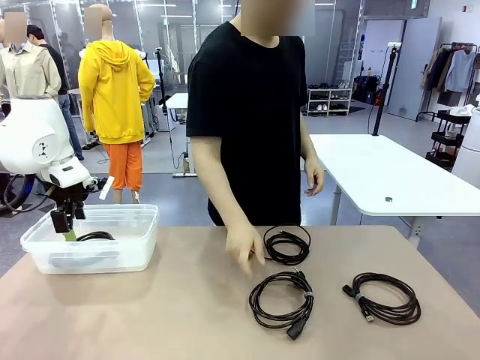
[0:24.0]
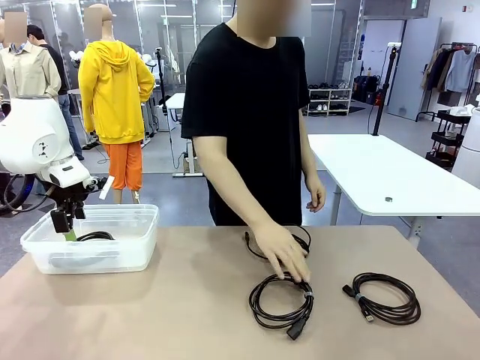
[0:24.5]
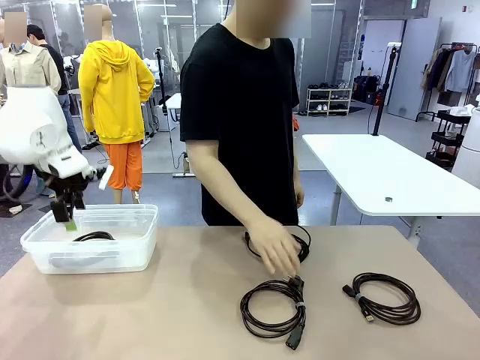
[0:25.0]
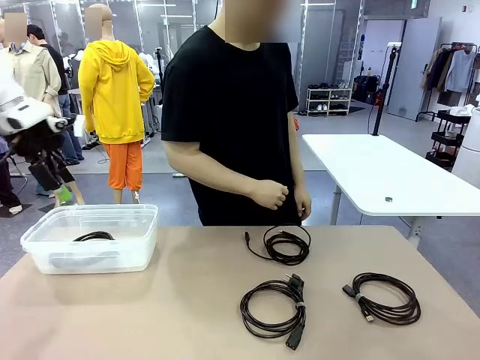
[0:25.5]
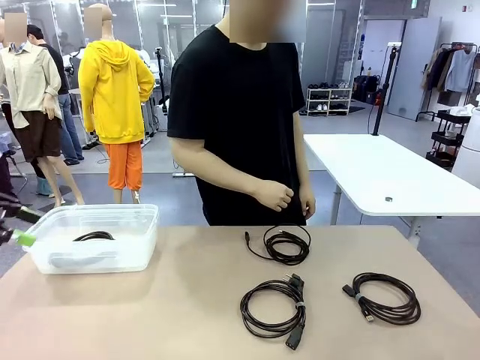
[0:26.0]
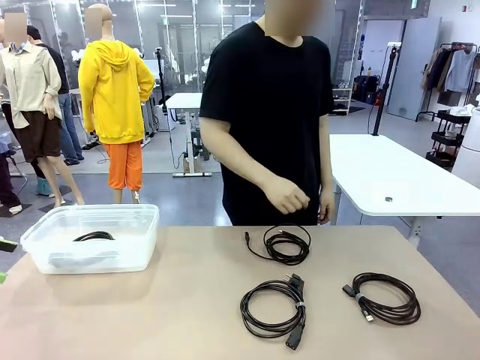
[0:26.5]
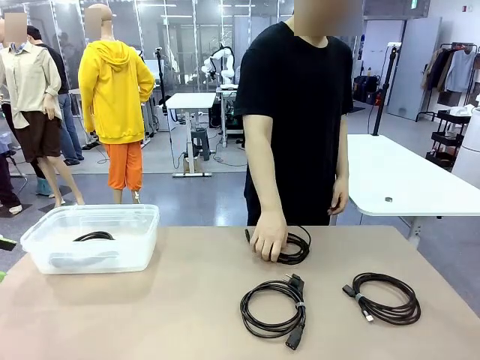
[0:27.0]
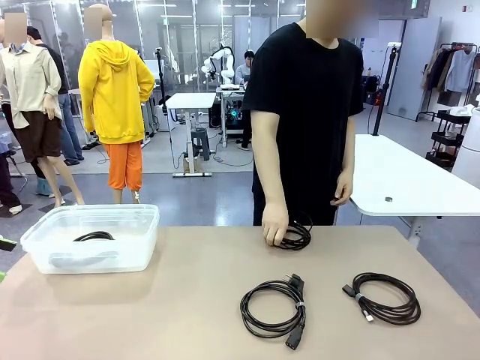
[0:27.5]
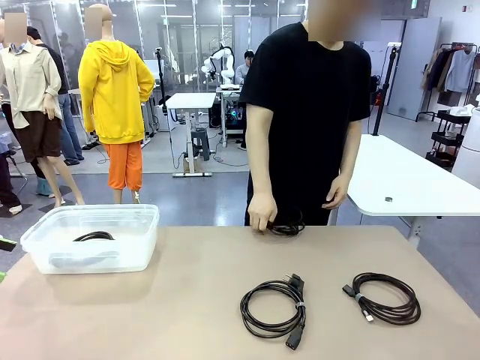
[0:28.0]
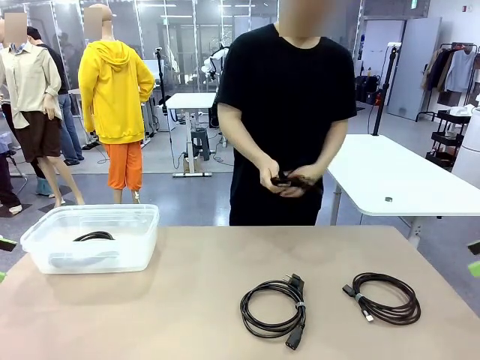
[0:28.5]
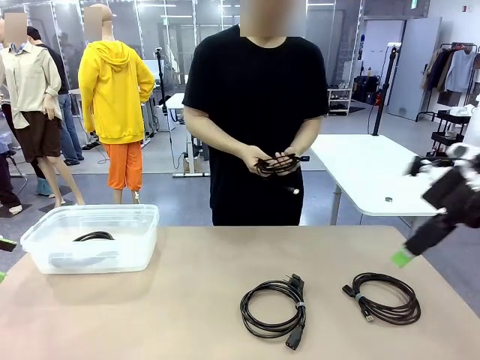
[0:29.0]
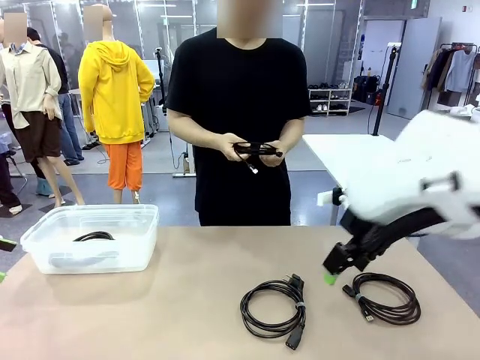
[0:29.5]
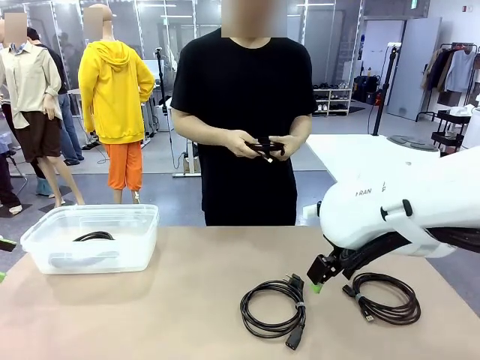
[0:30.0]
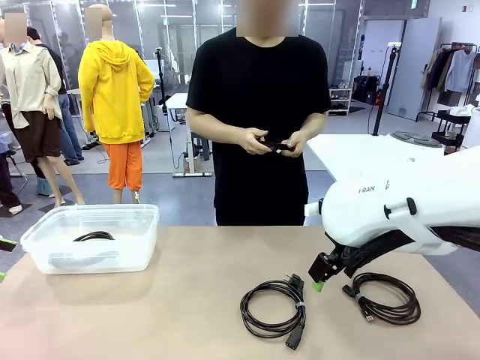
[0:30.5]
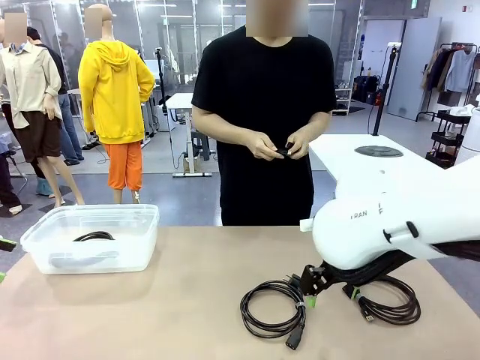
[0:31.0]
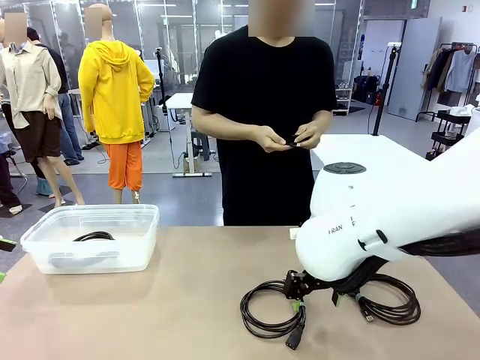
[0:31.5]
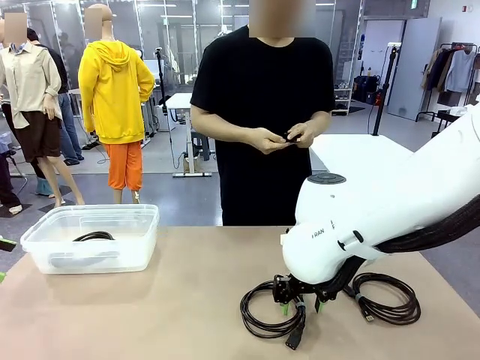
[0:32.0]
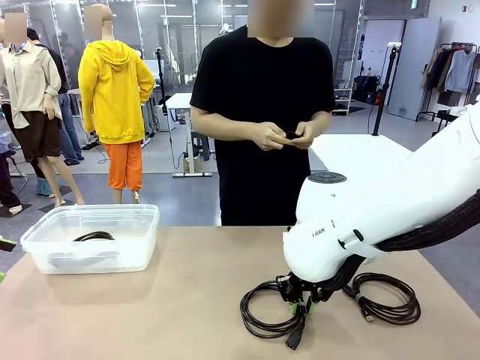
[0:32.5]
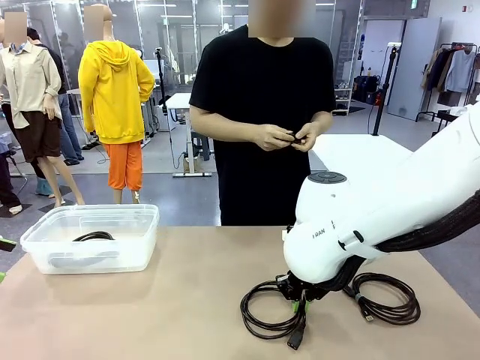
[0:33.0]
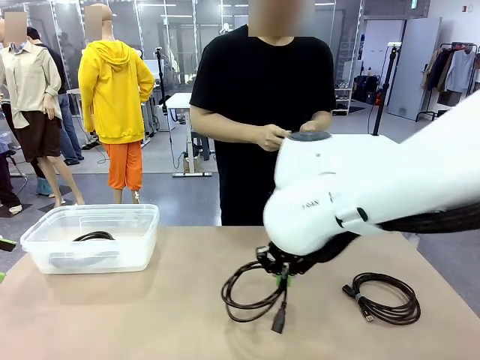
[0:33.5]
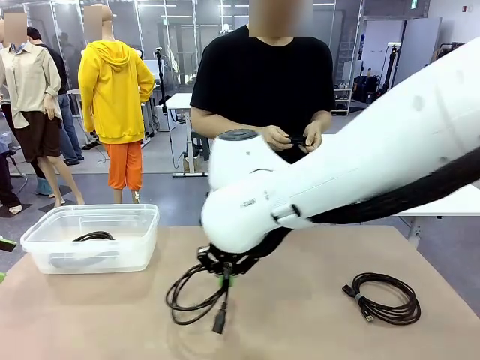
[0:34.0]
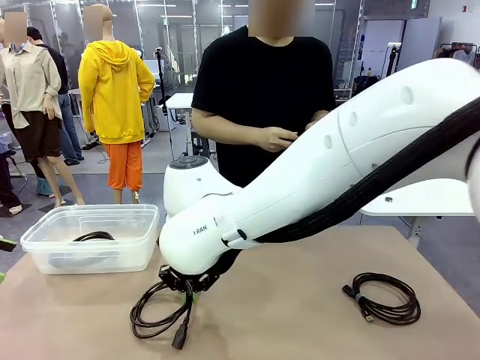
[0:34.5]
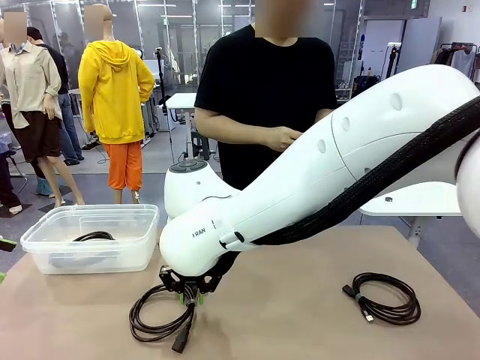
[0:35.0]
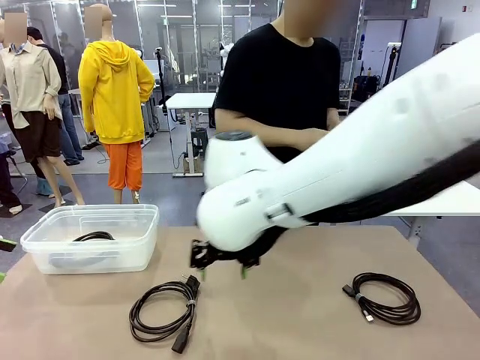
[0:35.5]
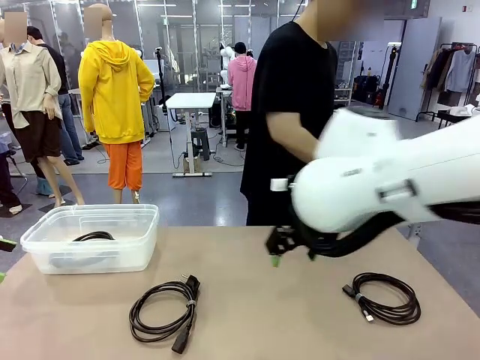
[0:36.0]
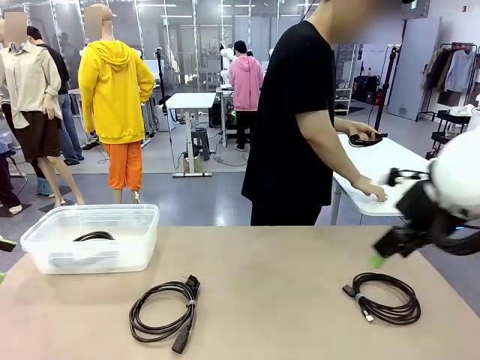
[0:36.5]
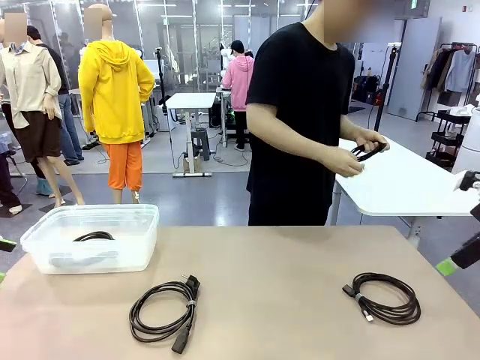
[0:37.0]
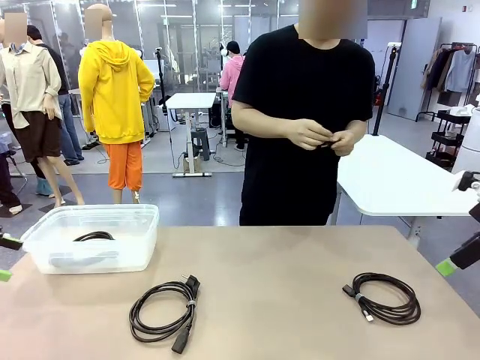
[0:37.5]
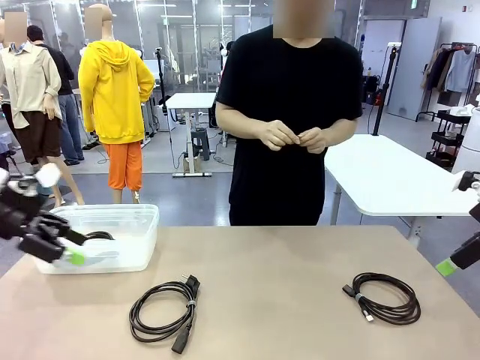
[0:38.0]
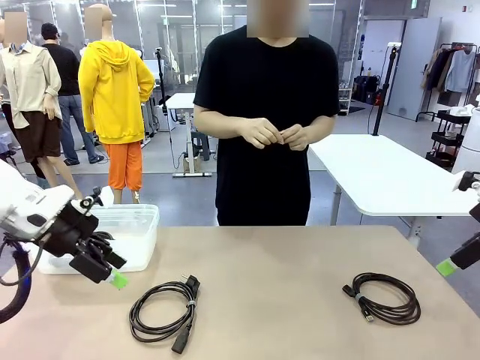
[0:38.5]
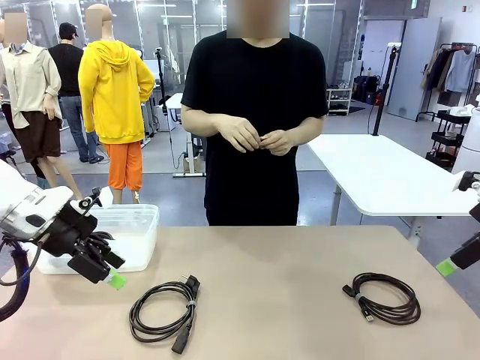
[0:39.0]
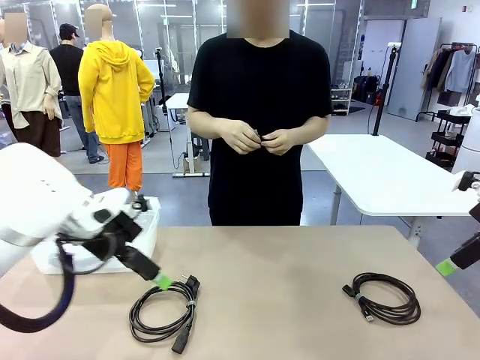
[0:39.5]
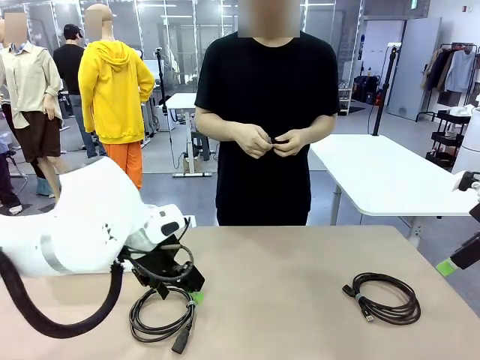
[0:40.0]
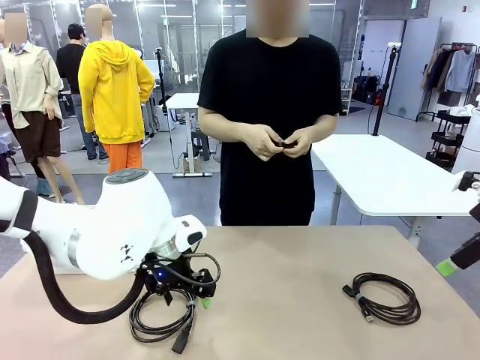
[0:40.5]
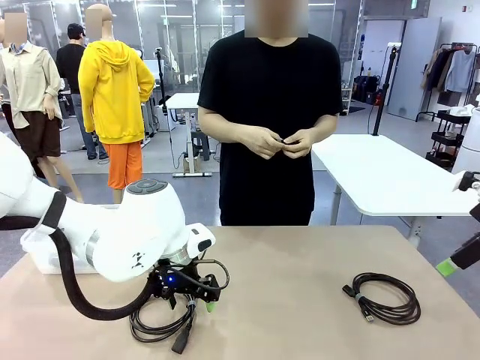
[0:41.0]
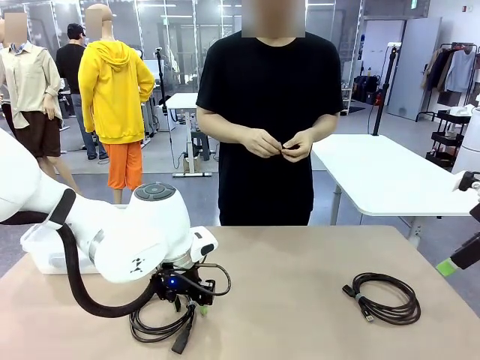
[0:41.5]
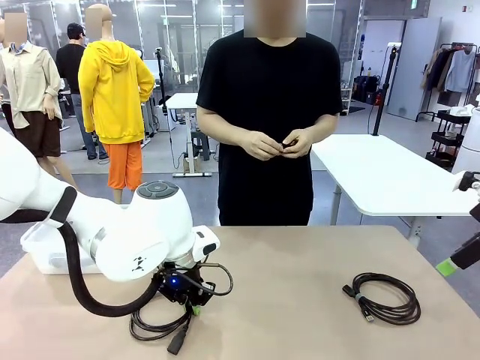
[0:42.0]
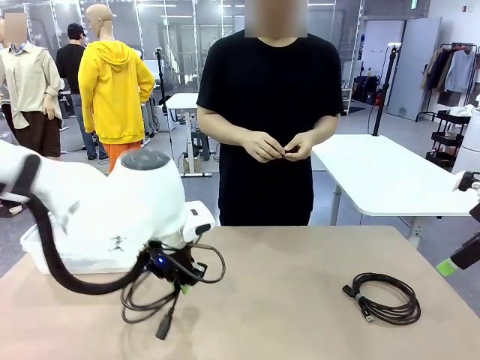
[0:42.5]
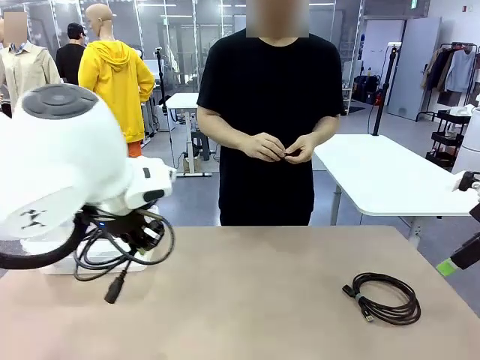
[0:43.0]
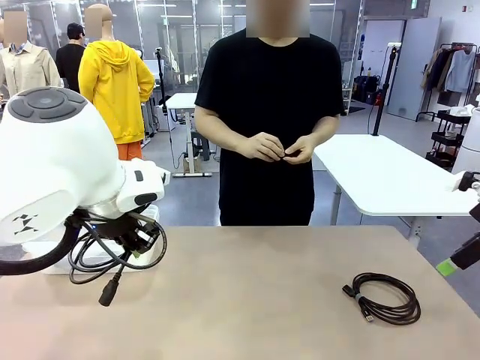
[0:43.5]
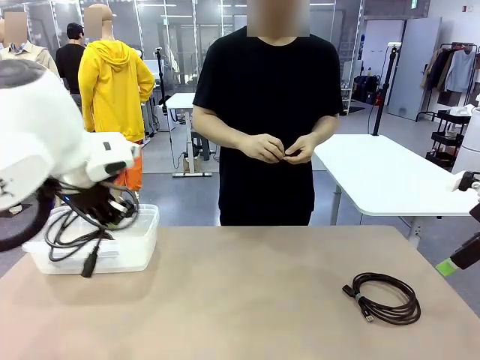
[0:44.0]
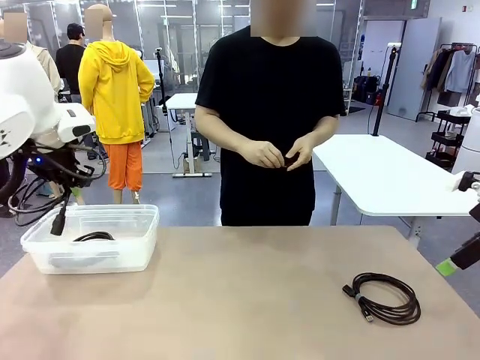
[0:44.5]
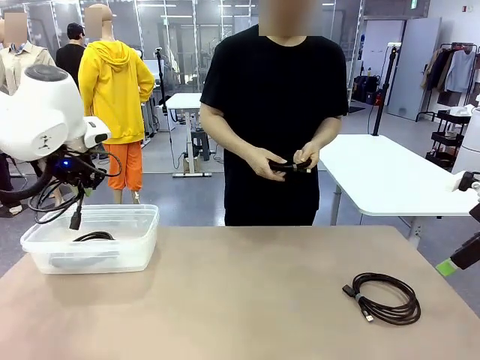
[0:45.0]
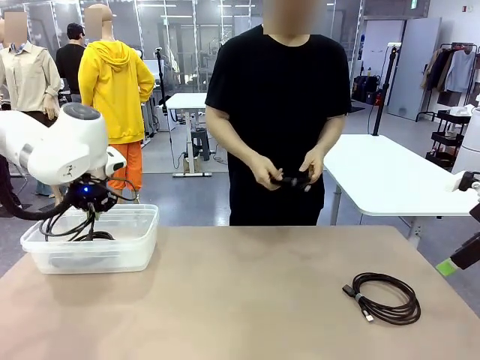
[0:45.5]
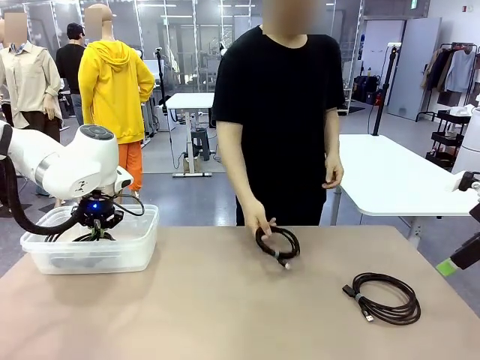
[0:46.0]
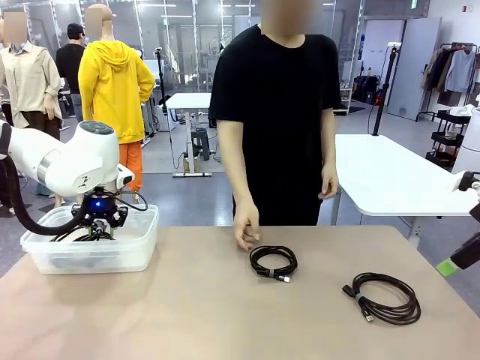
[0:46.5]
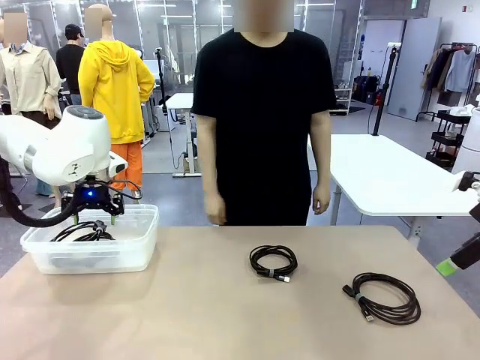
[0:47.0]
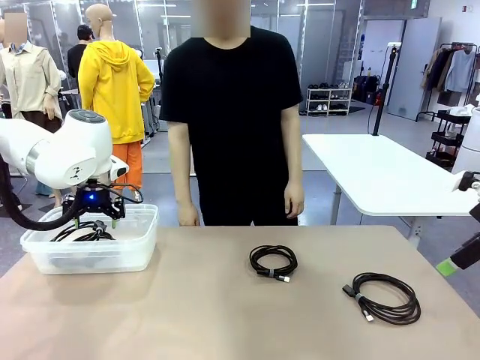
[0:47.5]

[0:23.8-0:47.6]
Task: Organize and store the cables.
Robot: Place the Power Cable into the Organizing box.

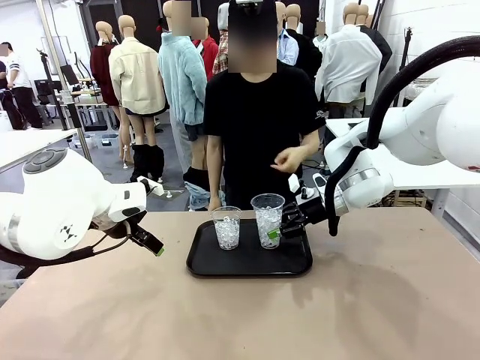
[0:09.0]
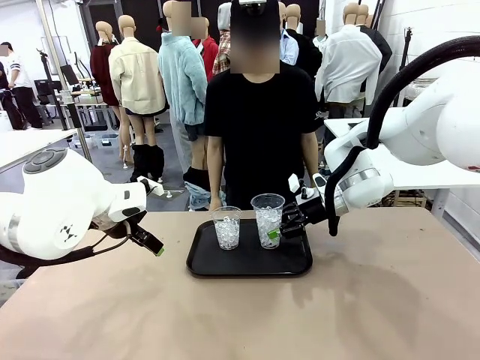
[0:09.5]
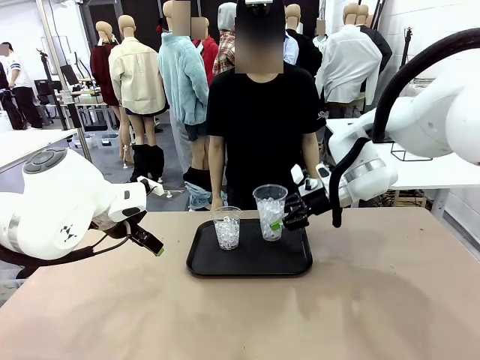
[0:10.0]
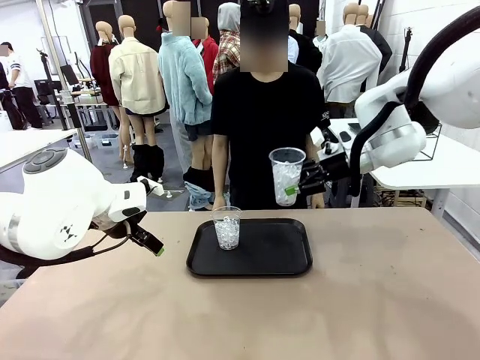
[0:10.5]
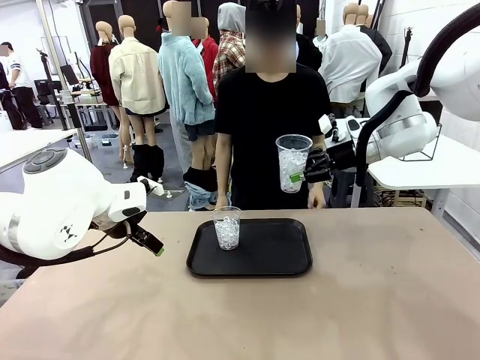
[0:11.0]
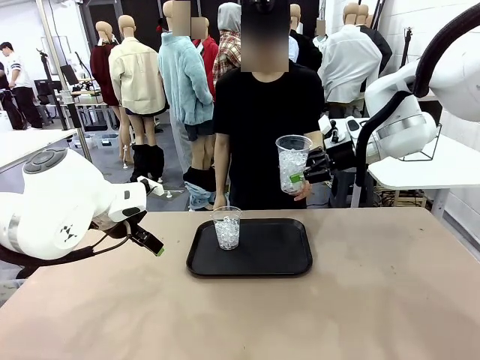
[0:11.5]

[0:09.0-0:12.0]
Task: Pour the drink into the iced cup.
Robot: Open the gripper to release the iced cup you were holding.
